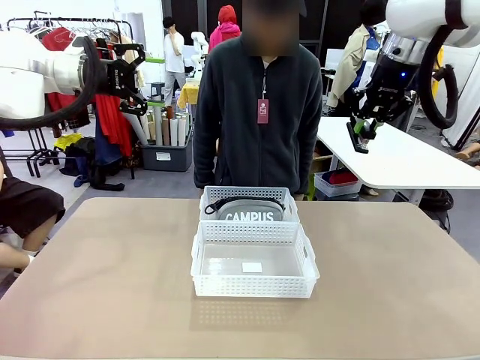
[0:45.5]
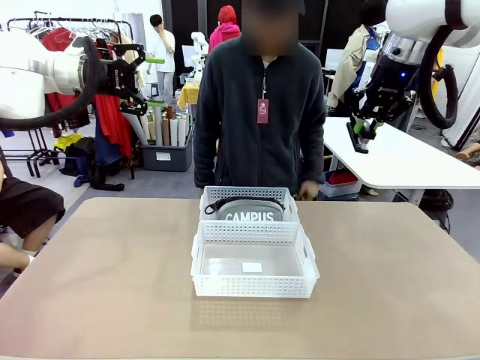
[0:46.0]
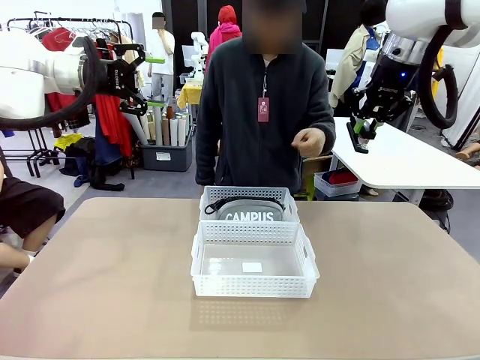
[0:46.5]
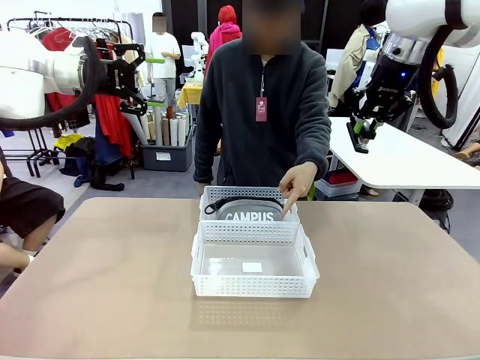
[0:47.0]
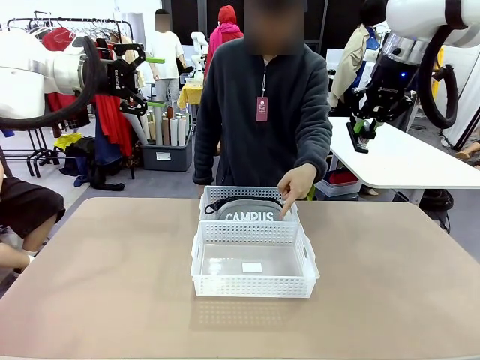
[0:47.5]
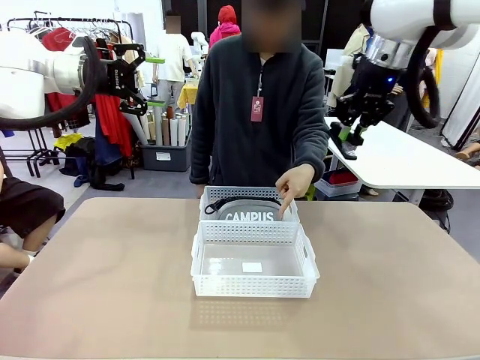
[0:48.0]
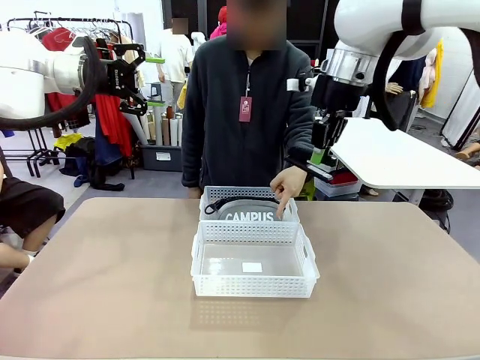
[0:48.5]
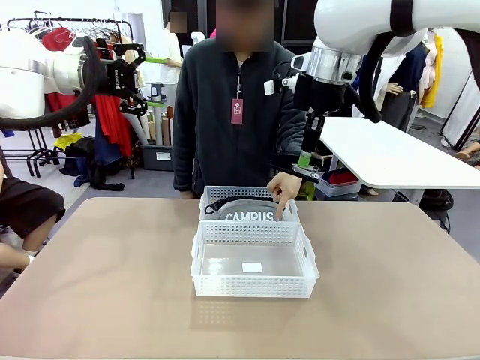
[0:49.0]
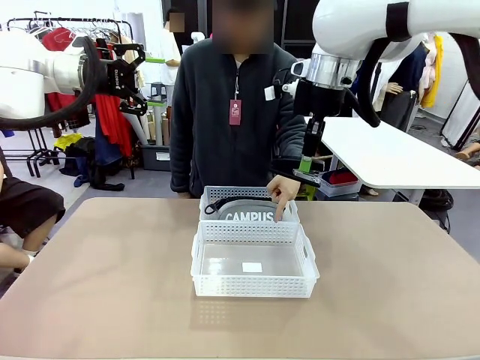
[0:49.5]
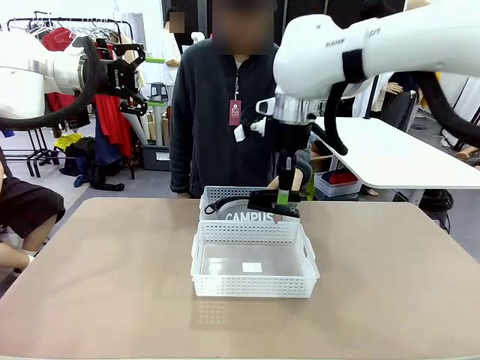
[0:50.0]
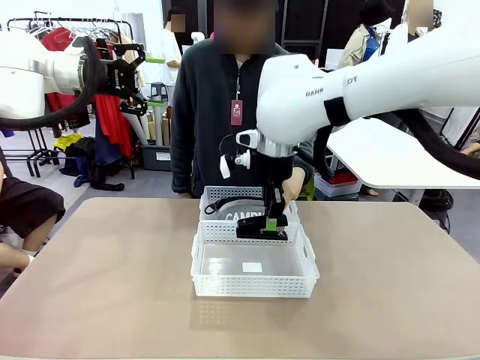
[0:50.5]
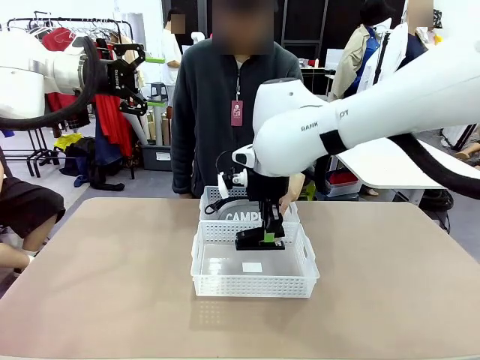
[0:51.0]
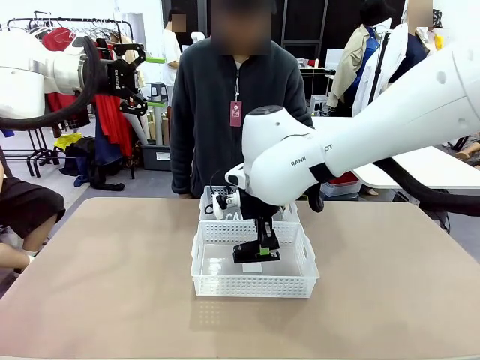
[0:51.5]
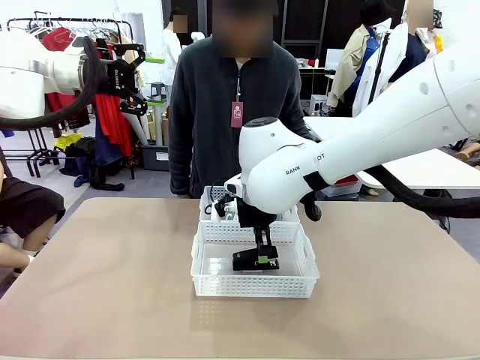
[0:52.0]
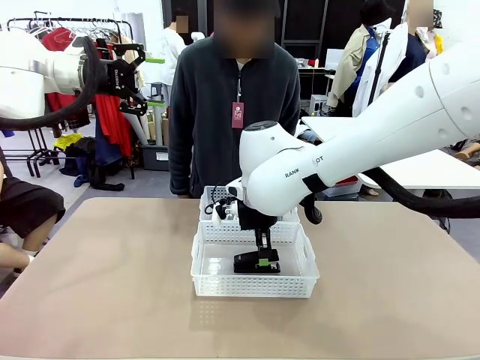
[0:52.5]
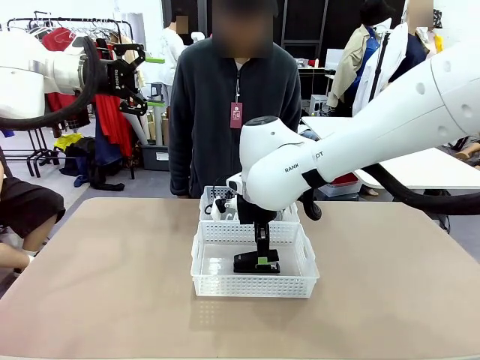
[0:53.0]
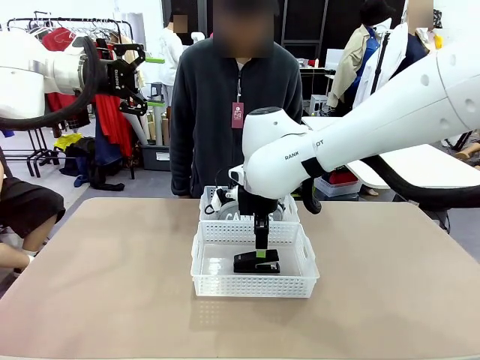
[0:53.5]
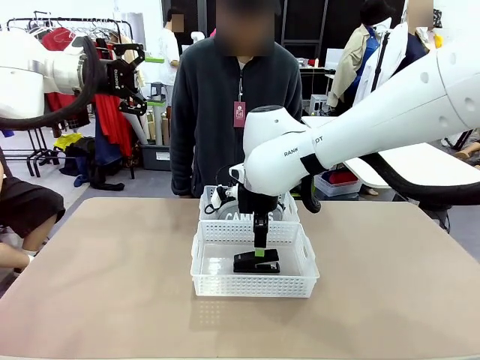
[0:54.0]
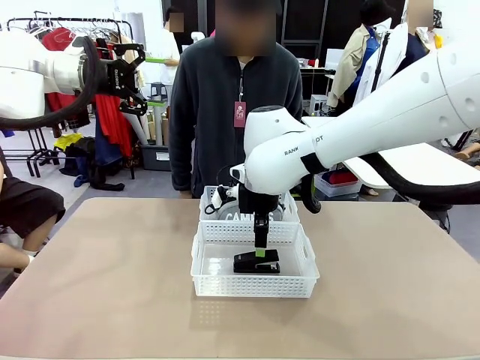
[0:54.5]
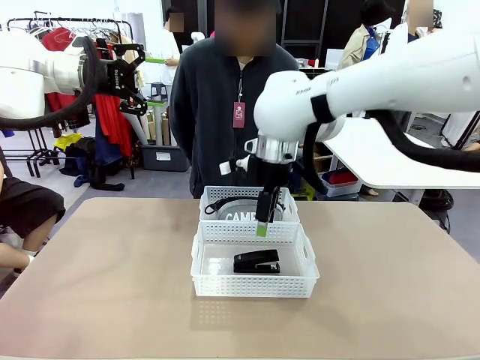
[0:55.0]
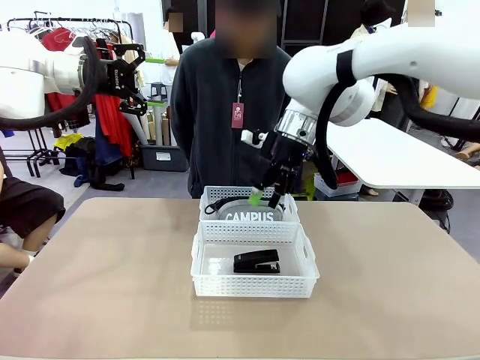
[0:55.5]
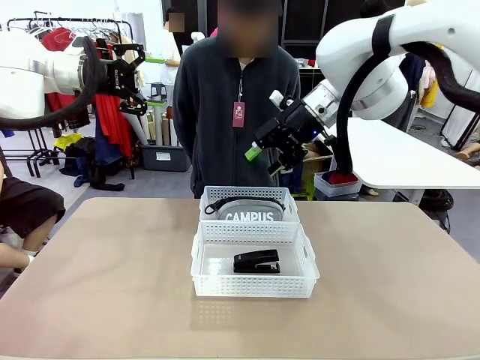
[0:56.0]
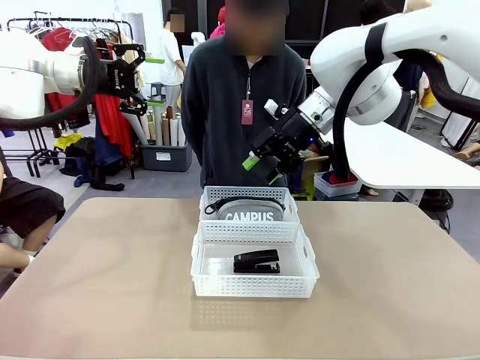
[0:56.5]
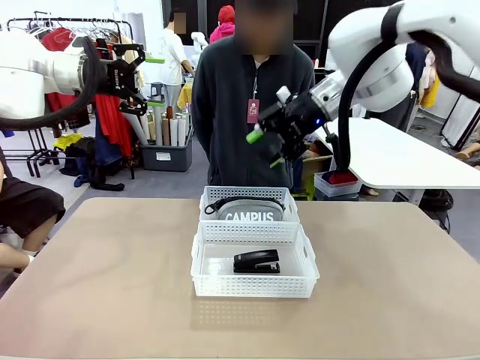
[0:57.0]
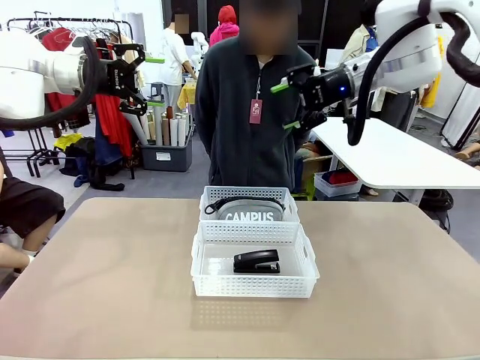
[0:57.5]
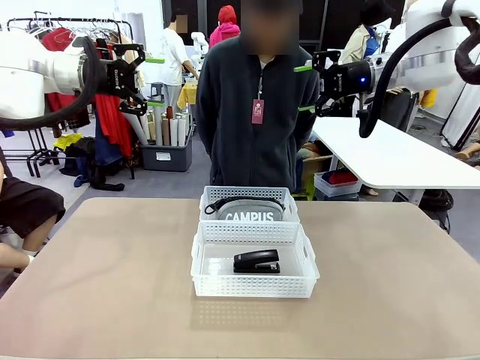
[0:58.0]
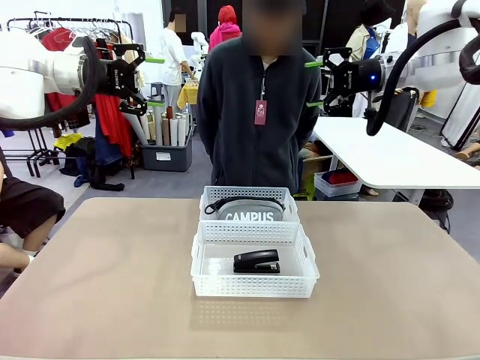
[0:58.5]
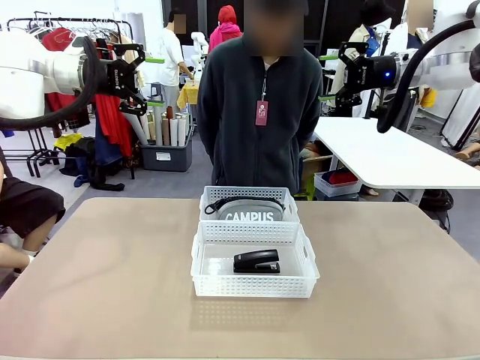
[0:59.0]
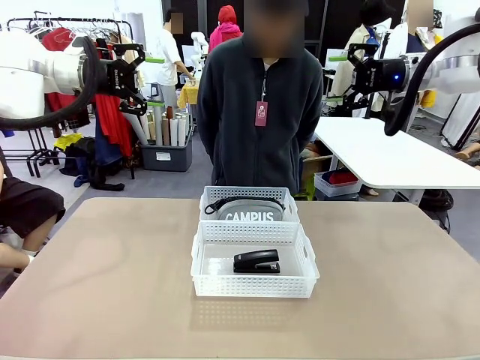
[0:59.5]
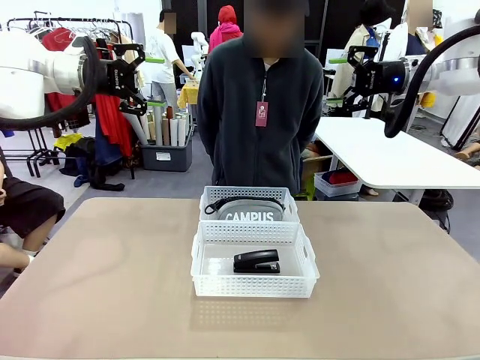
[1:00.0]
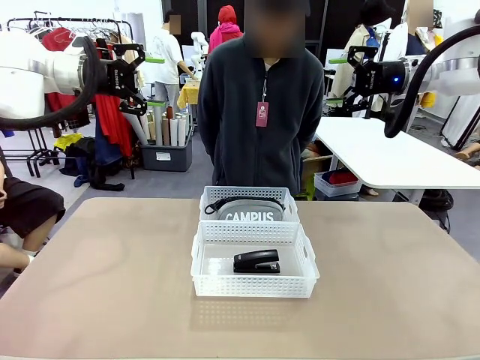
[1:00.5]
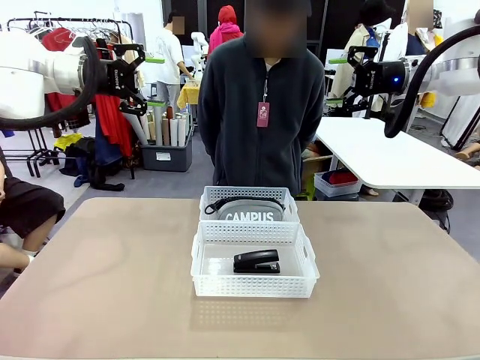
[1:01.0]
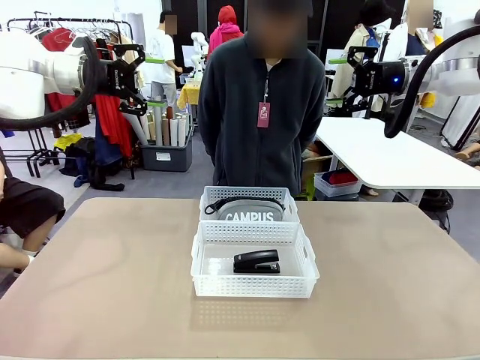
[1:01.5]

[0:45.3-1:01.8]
Task: Distribute items into two baskets.
Robot: Place the picked Stapler into the Organizing basket as instructed by the person.
Person: Points to the basket that does not contain the pencil case and instructs the robot to move the stapler there.

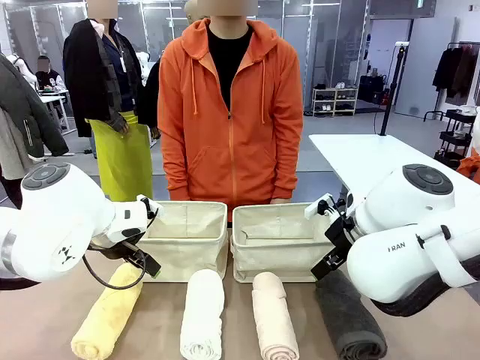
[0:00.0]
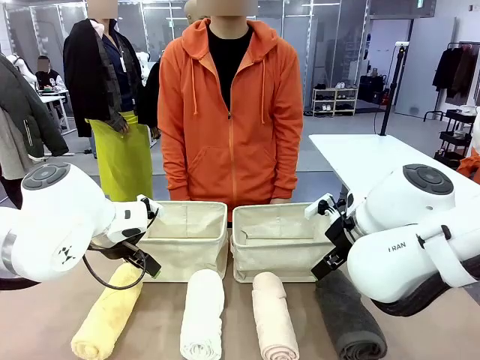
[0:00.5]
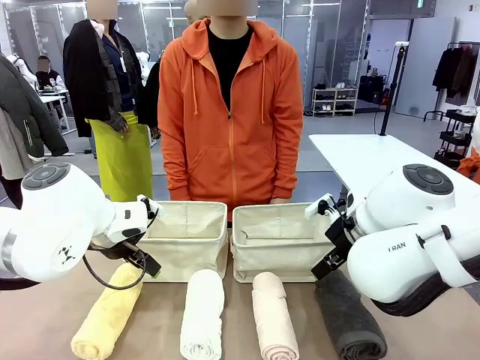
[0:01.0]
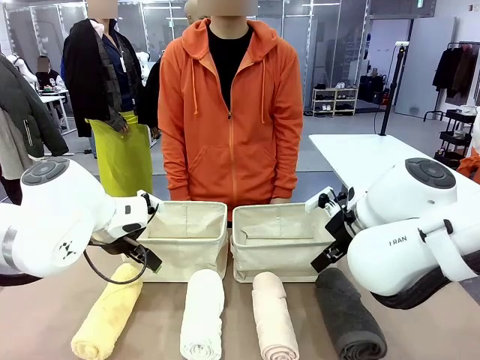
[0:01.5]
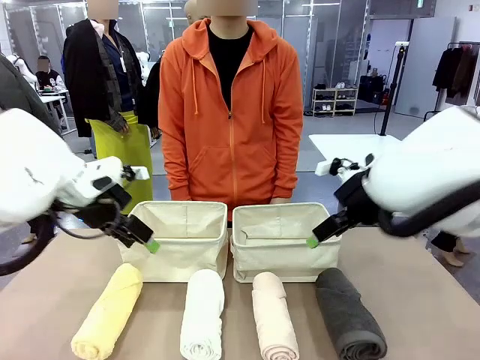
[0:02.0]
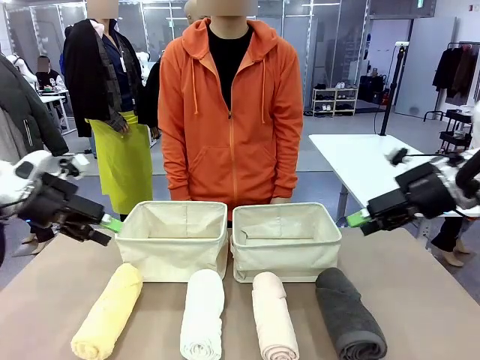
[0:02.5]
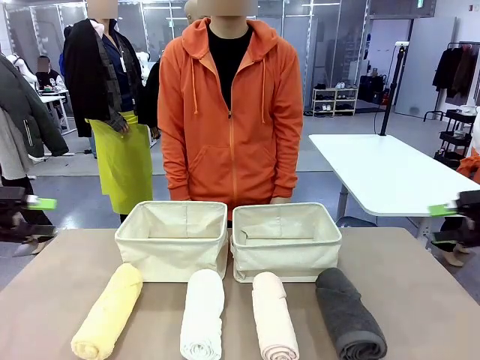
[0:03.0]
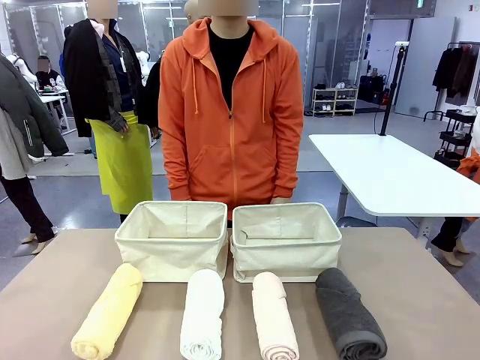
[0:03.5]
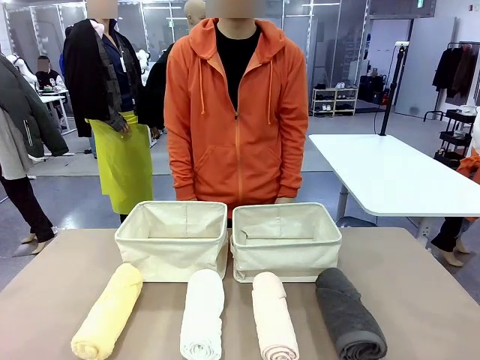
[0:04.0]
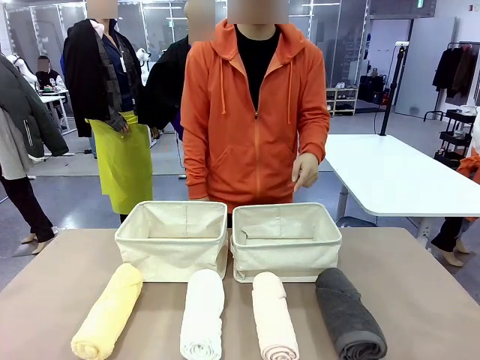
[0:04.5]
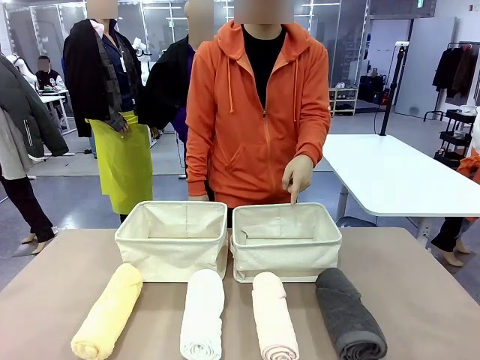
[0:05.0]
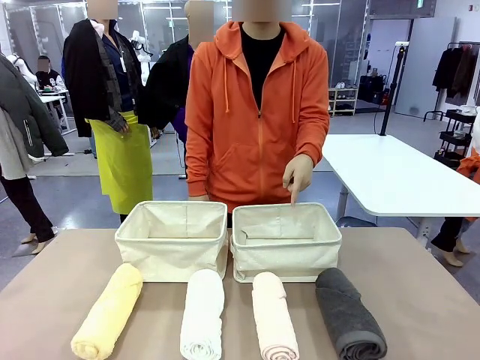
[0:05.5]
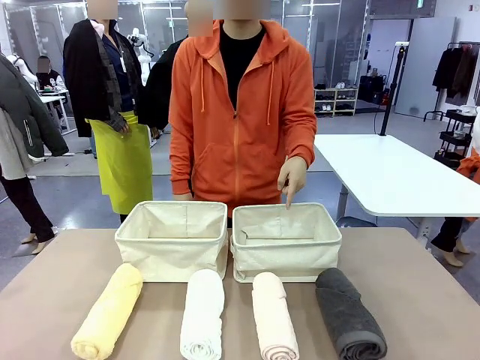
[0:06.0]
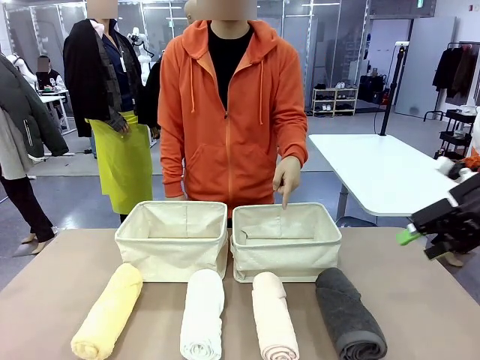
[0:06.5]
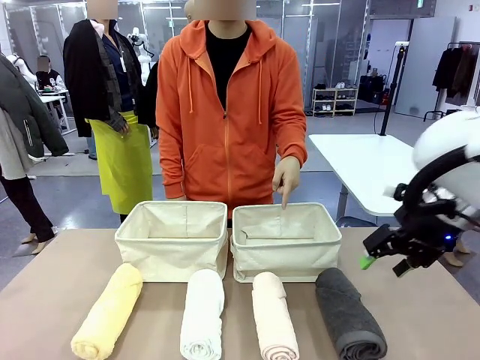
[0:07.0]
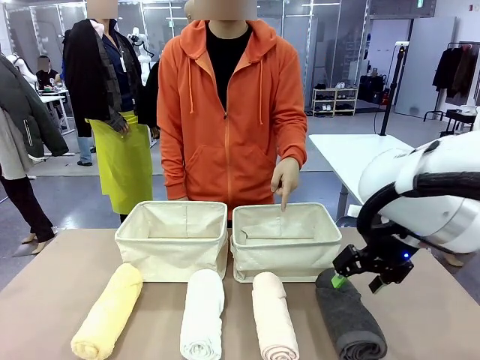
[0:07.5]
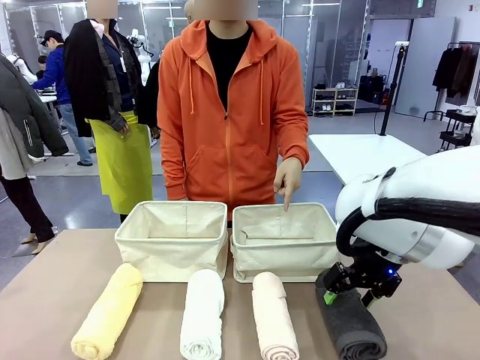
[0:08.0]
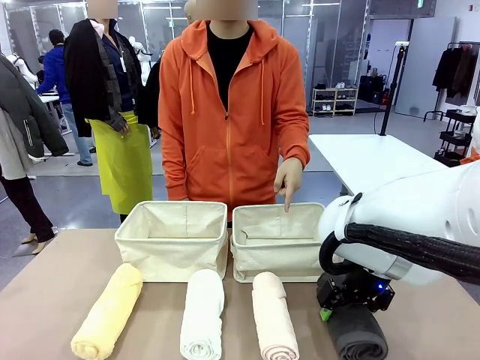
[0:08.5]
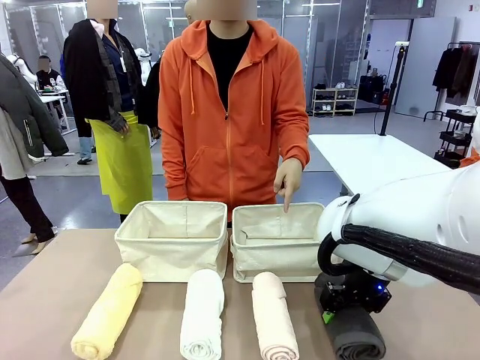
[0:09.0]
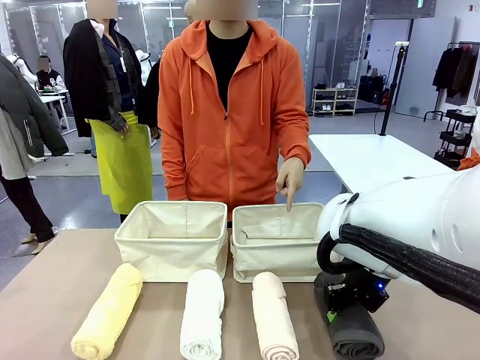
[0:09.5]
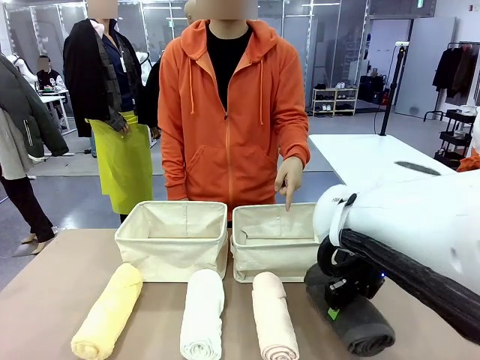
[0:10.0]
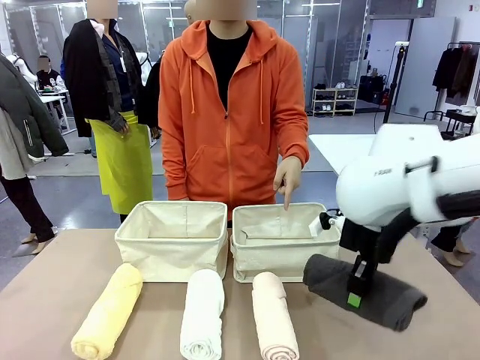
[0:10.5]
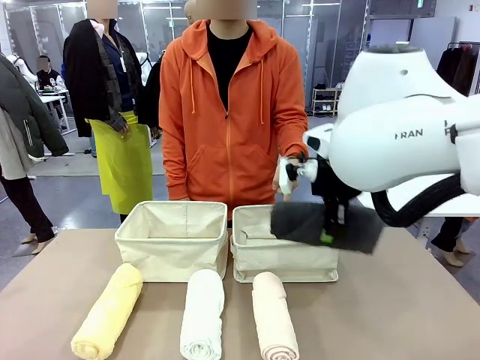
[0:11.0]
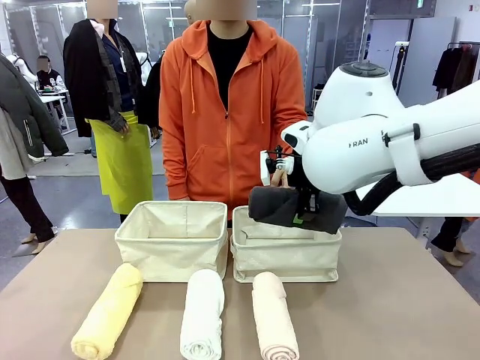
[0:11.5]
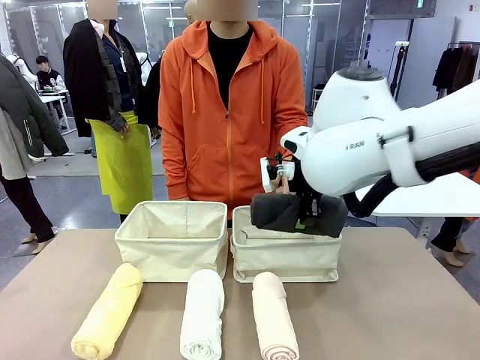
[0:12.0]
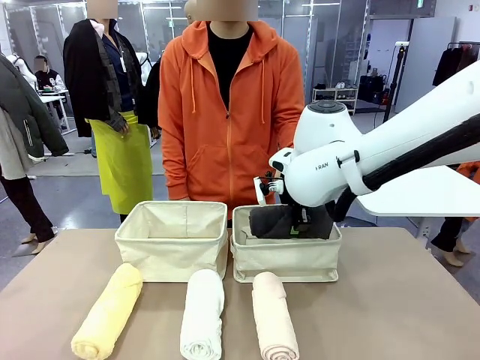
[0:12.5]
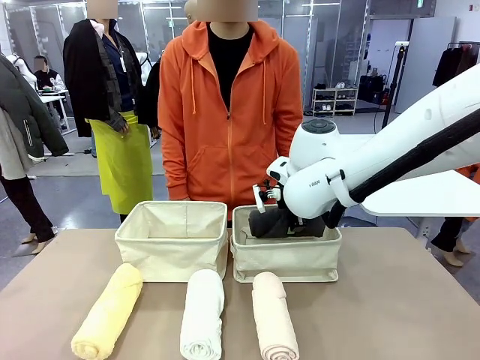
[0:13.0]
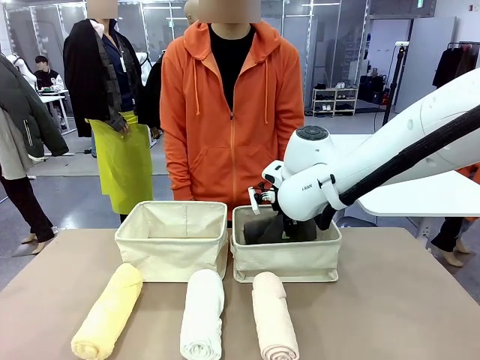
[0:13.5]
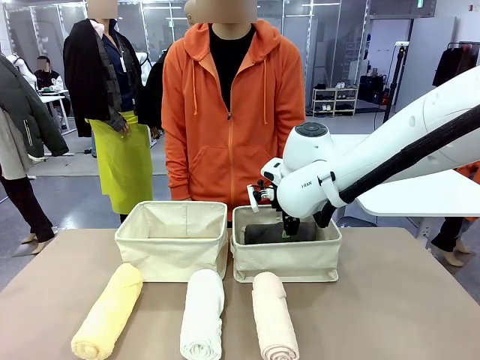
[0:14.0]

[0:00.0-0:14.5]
Task: Divide the towels into two baskets.
Robot: Pick up one hotel-folded towel and place it in the Fabric basket indicated by the person.
